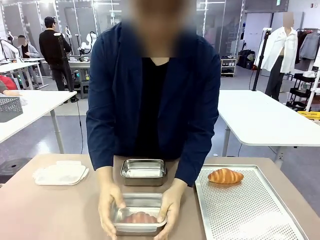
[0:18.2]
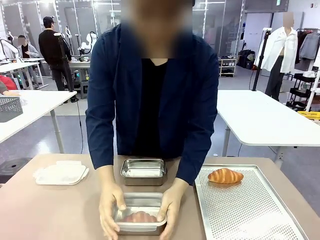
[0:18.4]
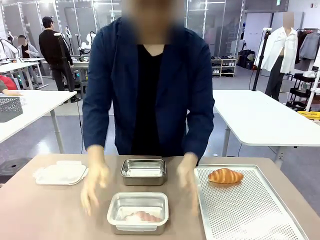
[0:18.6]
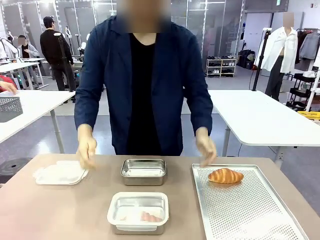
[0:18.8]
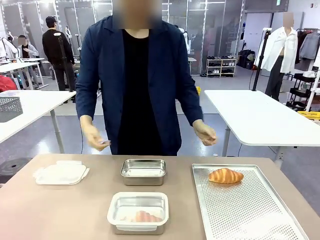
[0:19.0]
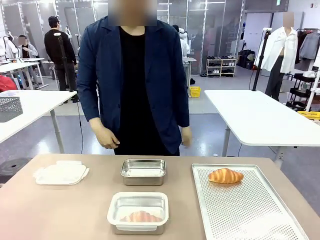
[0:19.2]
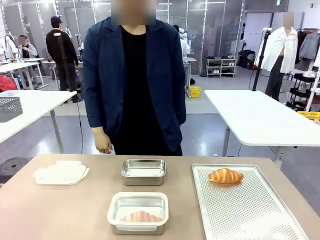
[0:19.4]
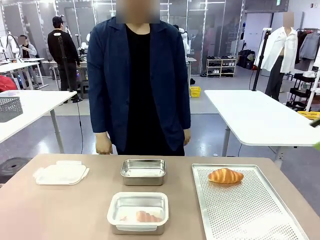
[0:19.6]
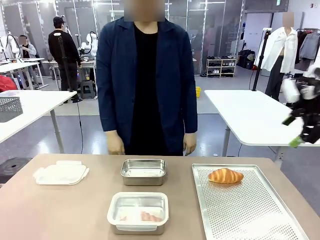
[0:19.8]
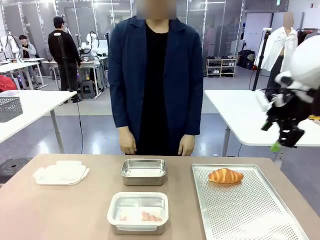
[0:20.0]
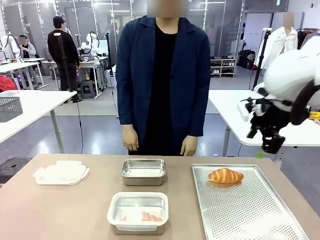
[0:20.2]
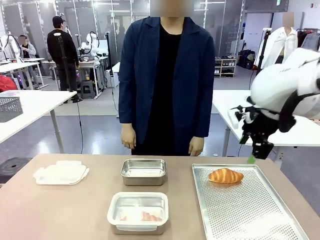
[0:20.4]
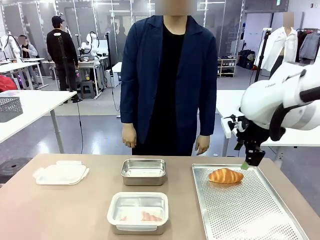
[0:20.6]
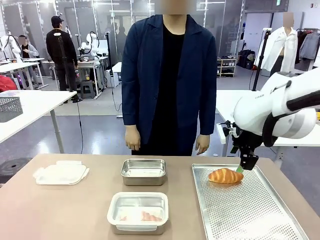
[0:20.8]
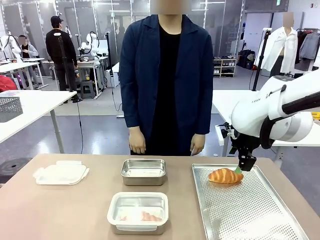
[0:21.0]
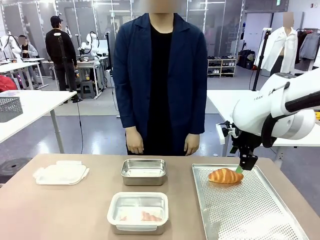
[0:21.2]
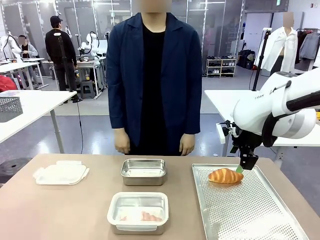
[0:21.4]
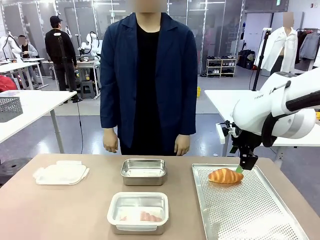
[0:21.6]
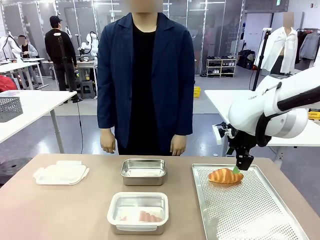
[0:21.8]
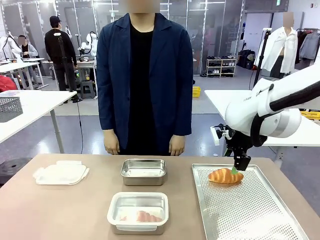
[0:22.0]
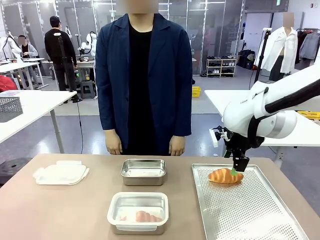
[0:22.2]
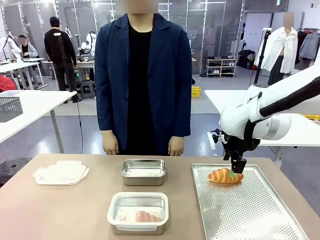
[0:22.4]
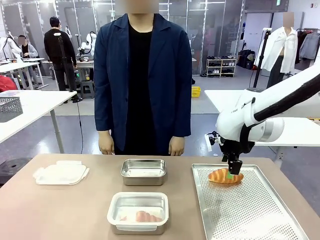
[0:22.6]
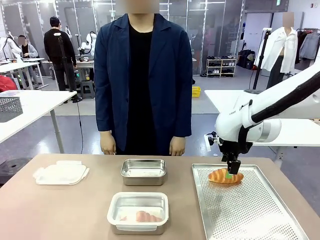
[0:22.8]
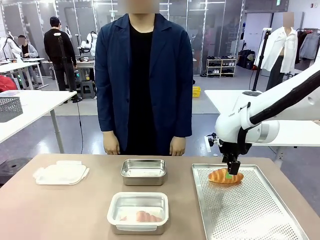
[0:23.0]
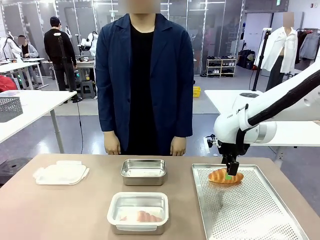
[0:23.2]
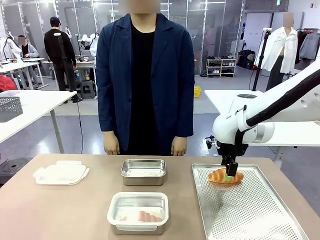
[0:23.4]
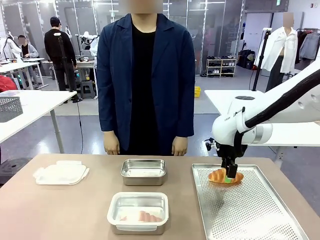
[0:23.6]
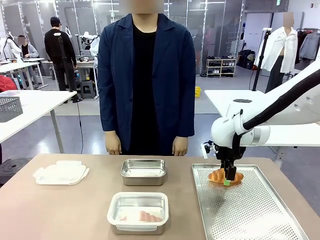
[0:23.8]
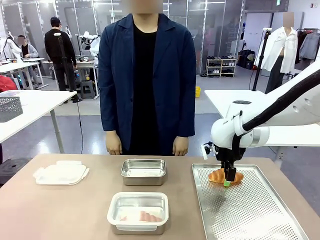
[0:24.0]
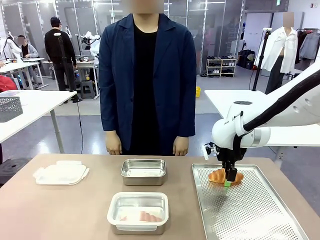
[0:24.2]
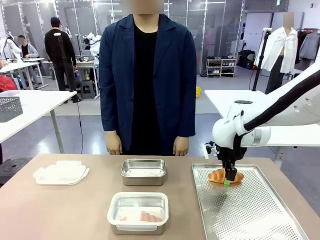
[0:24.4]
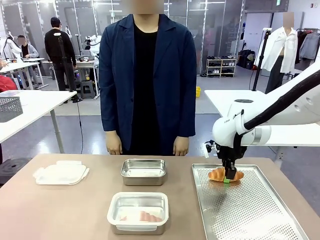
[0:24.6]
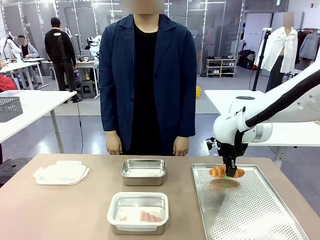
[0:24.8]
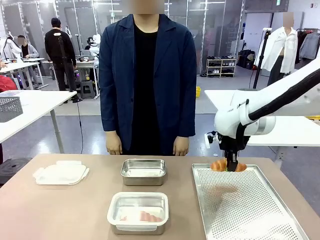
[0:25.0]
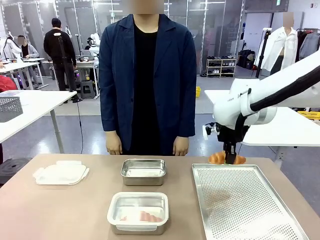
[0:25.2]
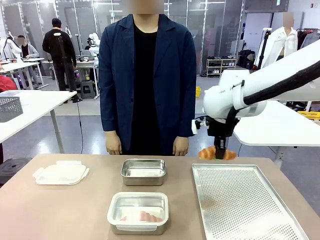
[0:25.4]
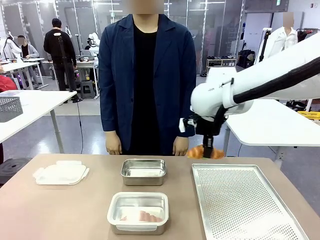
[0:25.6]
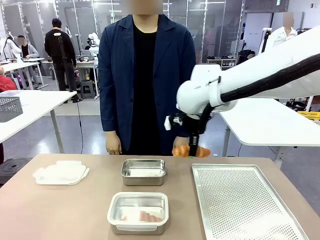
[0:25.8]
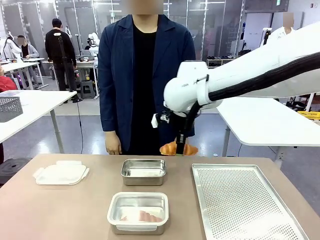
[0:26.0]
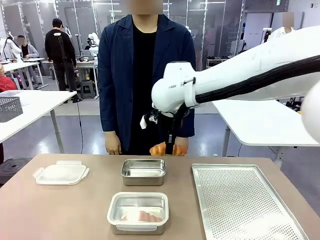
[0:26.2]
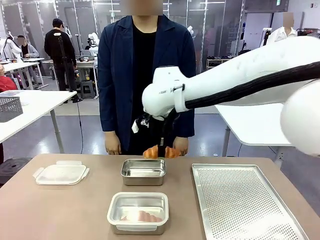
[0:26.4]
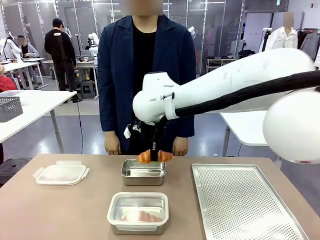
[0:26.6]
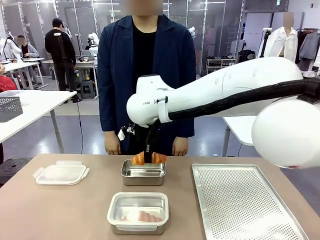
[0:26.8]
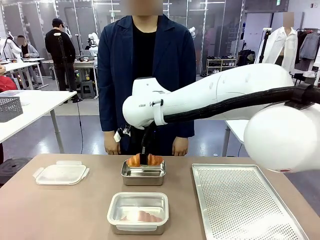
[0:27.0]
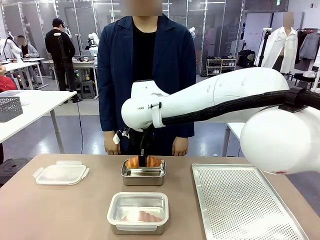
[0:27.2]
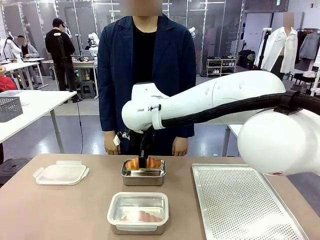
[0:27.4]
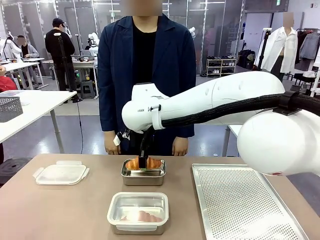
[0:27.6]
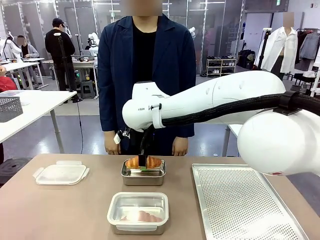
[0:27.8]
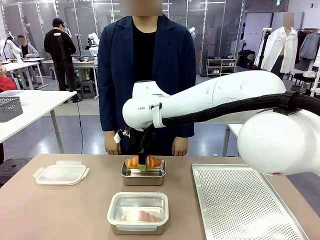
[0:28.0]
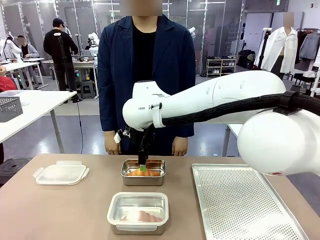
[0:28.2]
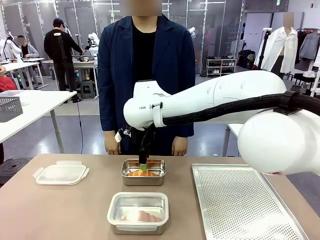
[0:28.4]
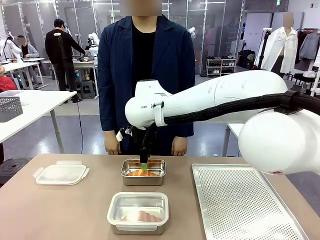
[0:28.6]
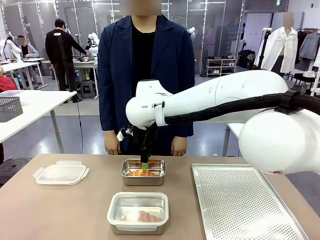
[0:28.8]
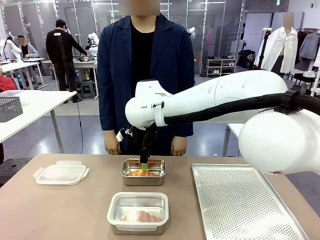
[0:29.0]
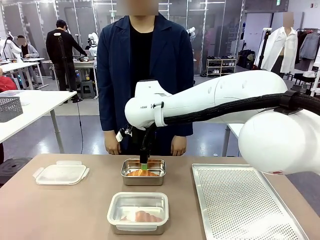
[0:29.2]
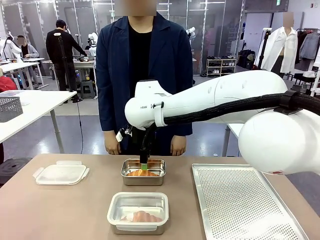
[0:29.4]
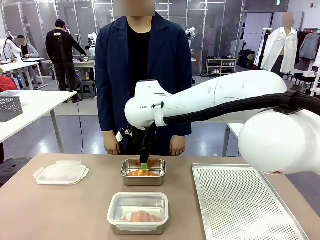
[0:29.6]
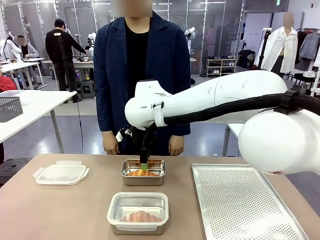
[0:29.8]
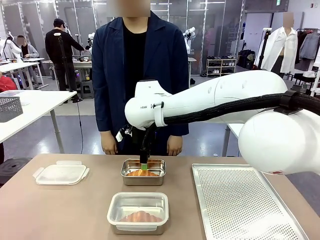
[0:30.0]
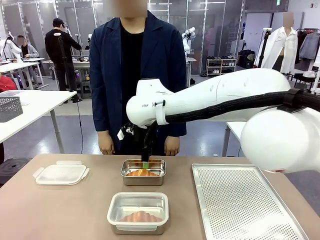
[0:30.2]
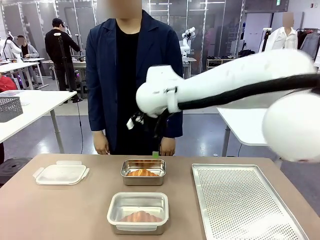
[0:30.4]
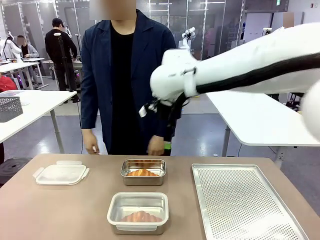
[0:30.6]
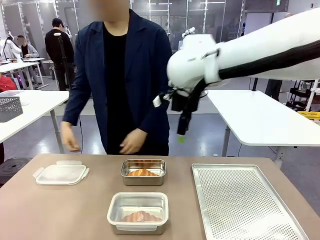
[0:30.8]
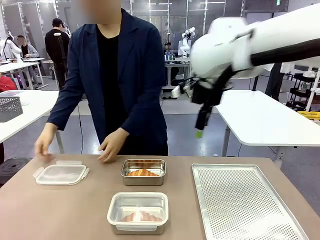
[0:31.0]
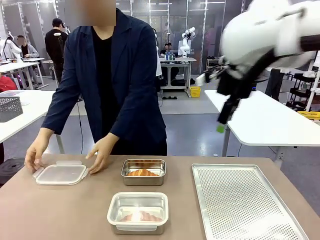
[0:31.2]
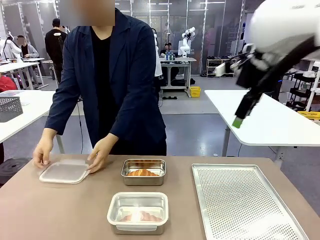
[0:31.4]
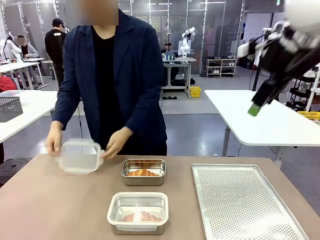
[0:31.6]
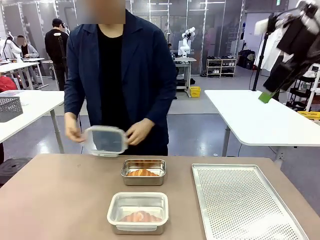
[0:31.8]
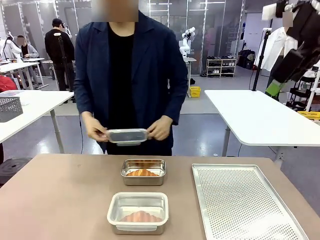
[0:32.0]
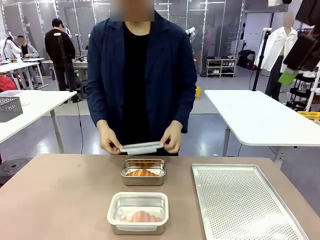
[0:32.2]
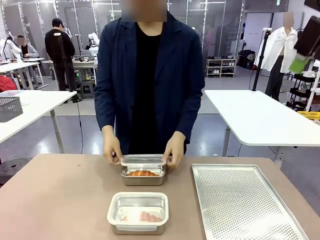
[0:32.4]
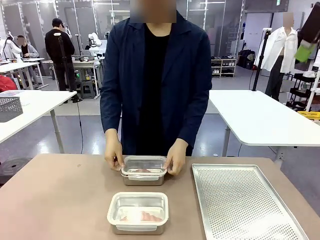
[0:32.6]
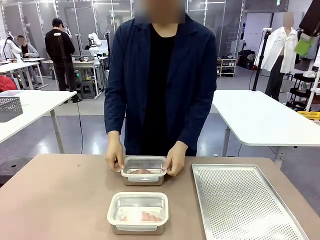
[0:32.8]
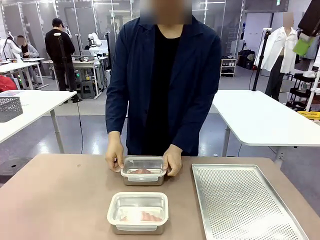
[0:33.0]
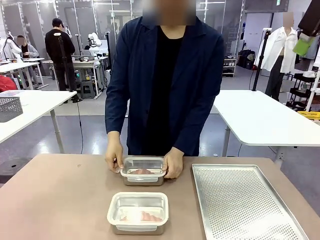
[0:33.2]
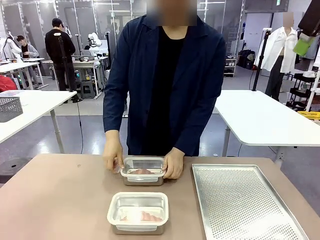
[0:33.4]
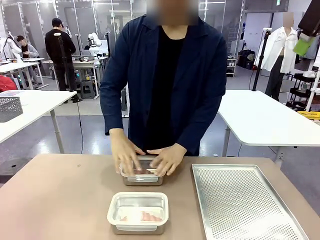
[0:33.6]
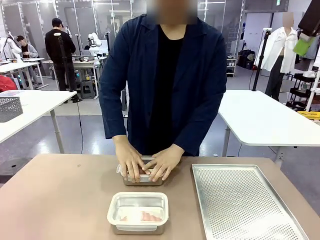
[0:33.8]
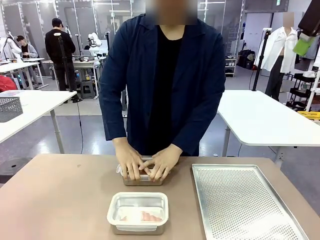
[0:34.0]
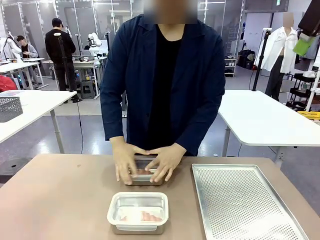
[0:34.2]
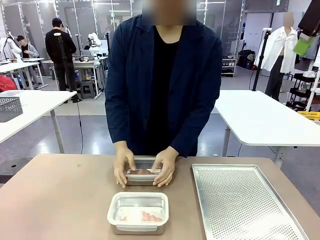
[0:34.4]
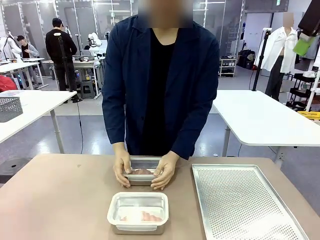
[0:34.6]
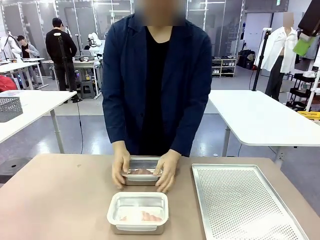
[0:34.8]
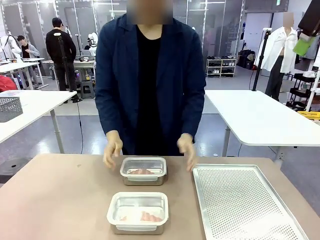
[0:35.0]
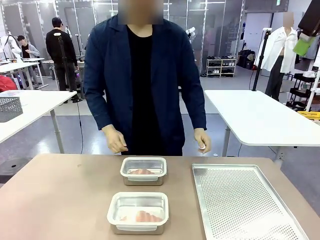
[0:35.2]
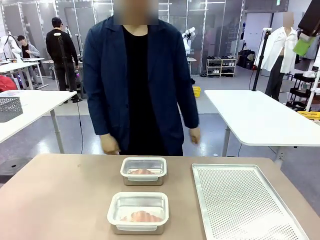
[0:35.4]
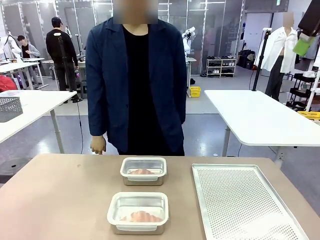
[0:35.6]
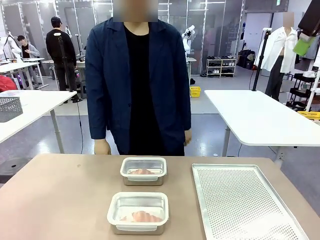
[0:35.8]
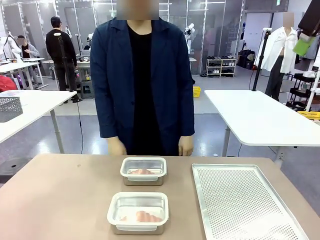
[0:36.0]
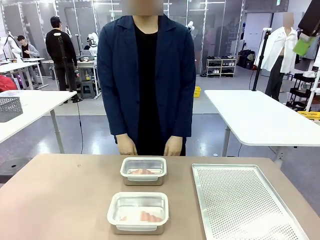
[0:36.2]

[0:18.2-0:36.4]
Task: Place the bread into the airtight container.
Robot: Pick up a Butter Roll and place it into an empty Airtight Container.
